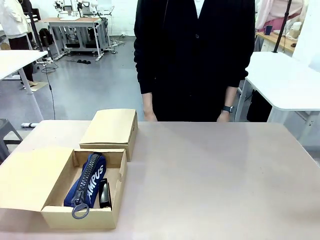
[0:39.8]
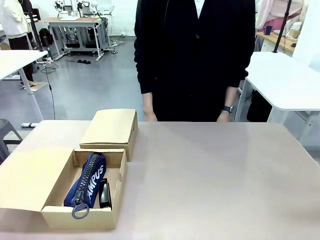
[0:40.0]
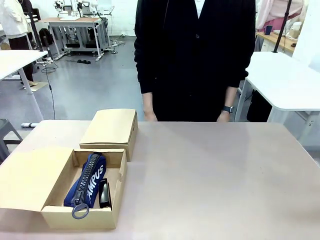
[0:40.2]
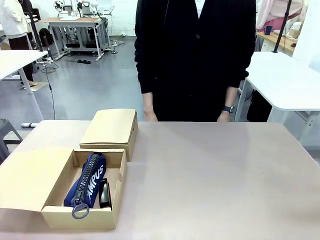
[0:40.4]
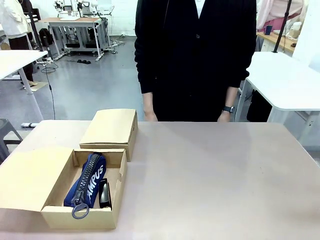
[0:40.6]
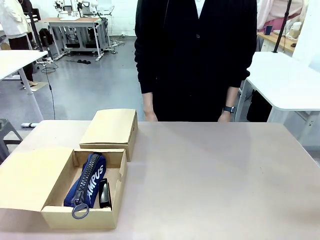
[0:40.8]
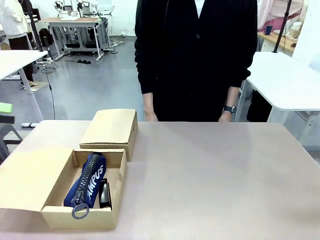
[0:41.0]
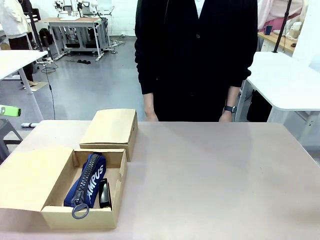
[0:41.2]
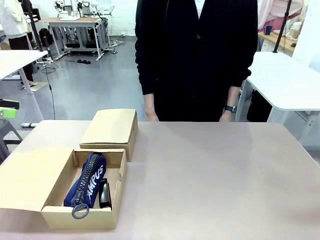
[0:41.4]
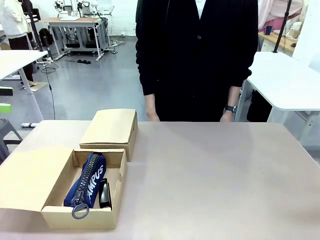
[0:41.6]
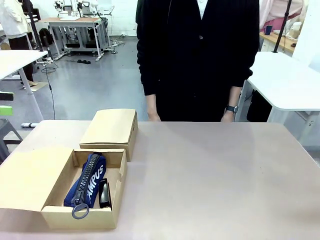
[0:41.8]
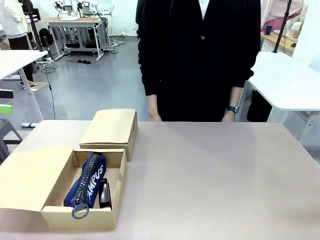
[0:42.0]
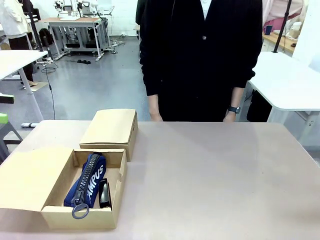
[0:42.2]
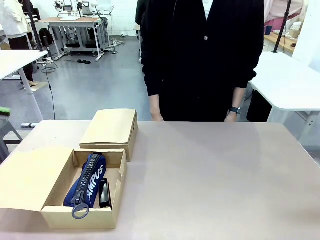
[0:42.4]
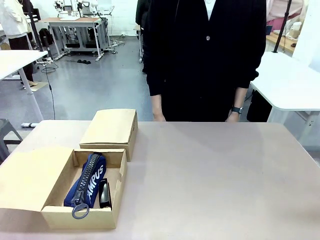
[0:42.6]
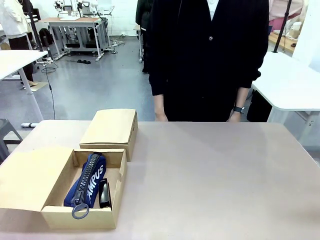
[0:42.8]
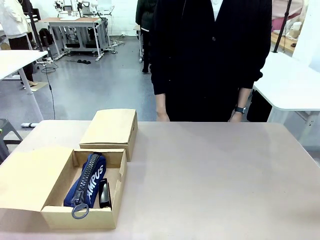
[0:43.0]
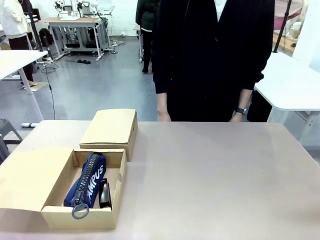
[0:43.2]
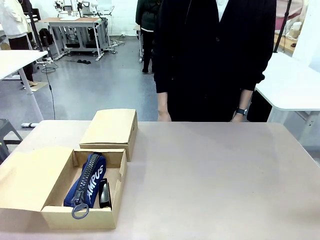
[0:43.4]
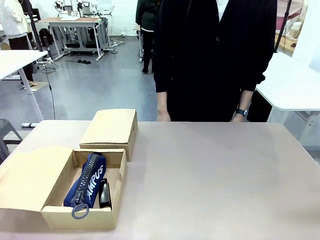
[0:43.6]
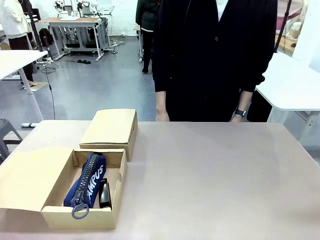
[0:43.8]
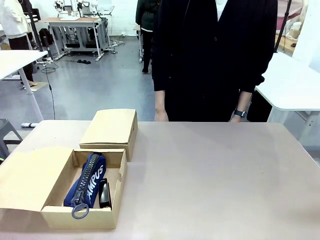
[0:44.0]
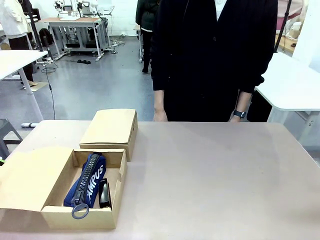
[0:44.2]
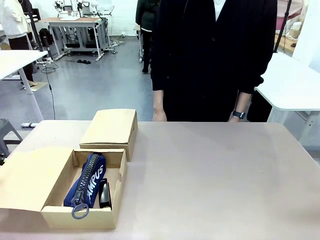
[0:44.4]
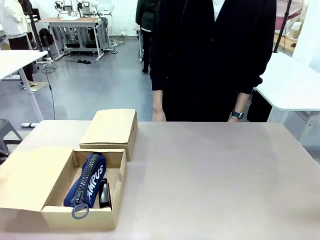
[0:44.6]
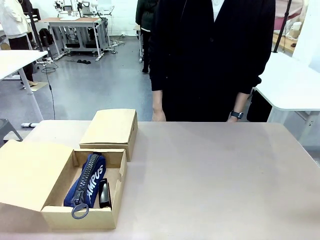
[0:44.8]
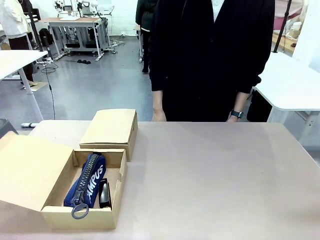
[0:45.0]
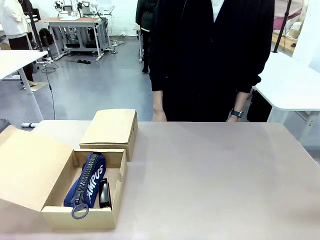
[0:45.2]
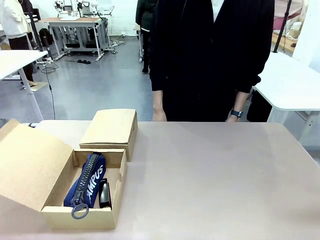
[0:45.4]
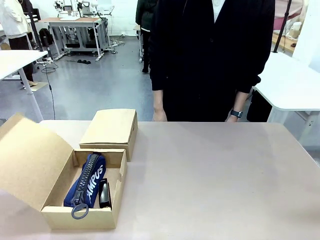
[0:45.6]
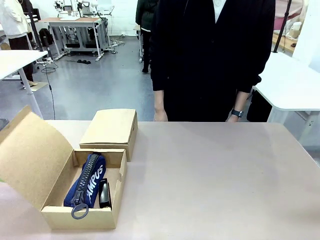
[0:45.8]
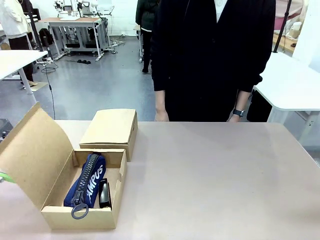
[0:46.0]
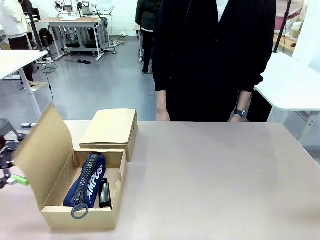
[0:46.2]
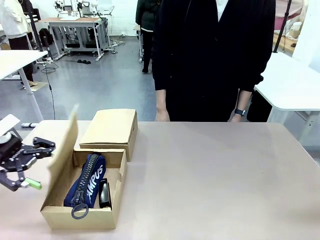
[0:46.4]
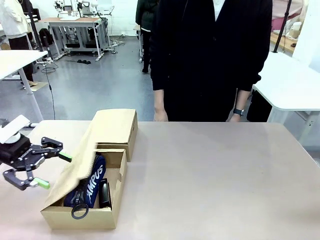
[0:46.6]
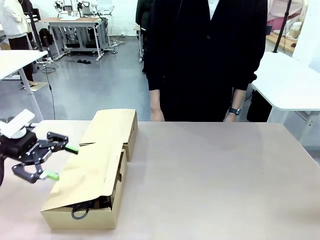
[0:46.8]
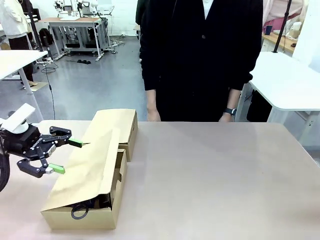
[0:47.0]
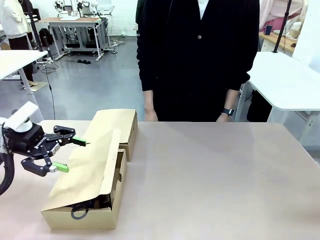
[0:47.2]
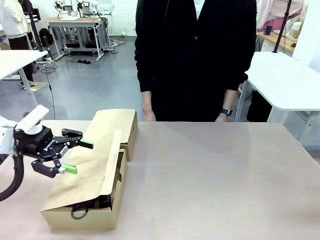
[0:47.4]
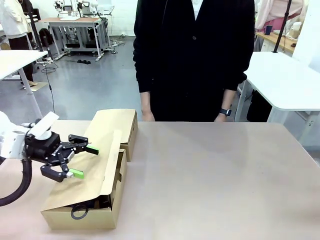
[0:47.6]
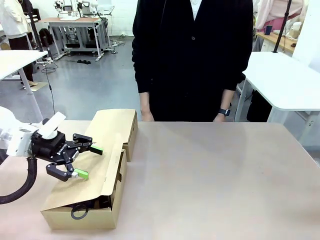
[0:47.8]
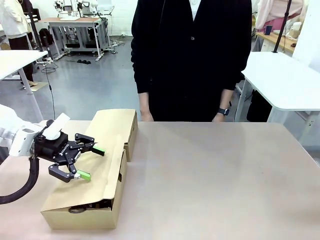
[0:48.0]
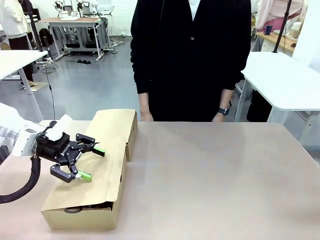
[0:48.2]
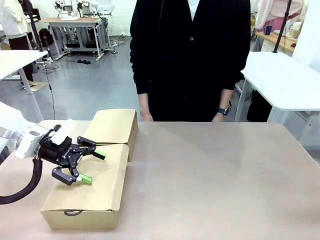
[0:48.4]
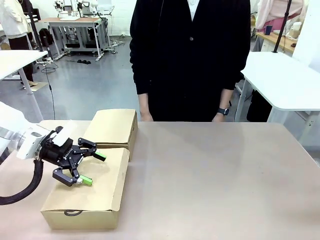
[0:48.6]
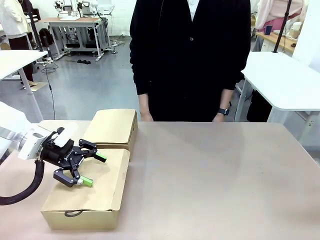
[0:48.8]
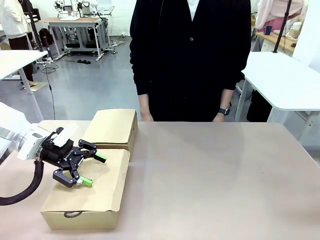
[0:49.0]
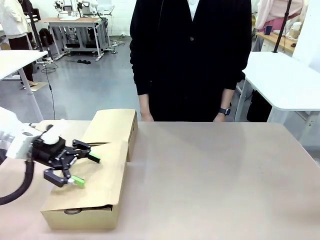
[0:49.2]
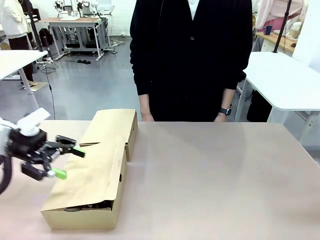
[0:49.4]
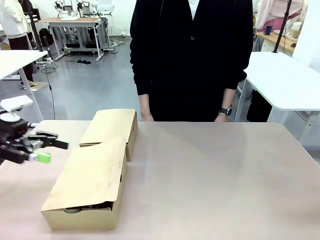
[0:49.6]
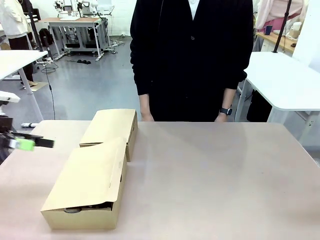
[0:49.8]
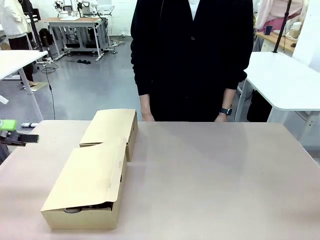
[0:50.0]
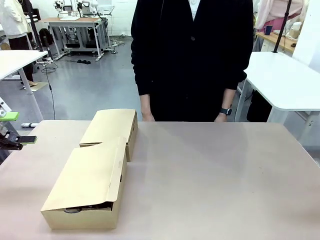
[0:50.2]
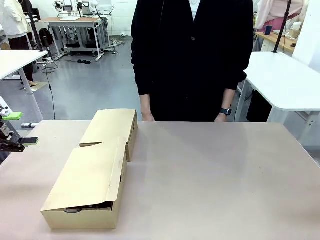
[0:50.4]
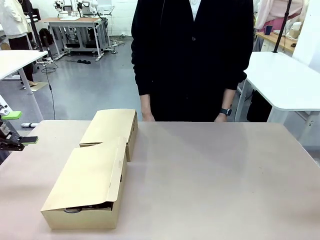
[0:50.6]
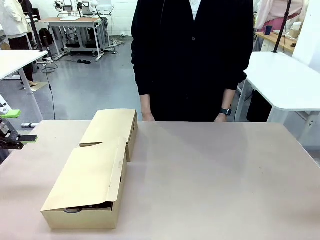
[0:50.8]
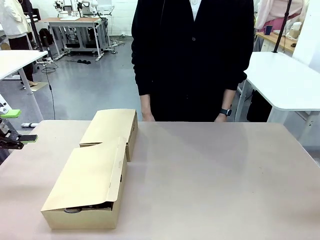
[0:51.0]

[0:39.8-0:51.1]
Task: Place items inside the box.
Robot: Close the lid of the Mailer Box closest to the robot.

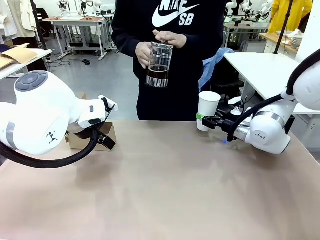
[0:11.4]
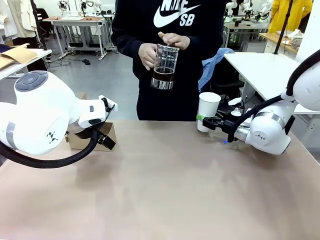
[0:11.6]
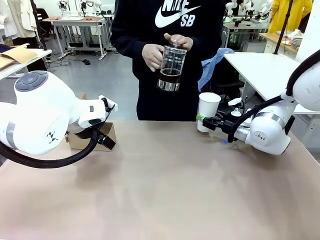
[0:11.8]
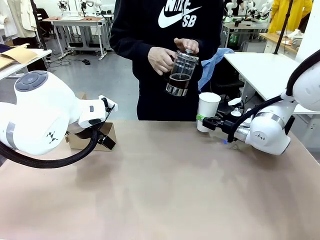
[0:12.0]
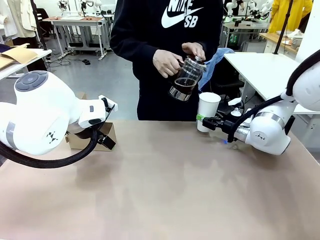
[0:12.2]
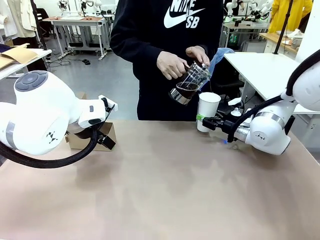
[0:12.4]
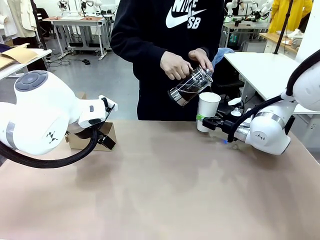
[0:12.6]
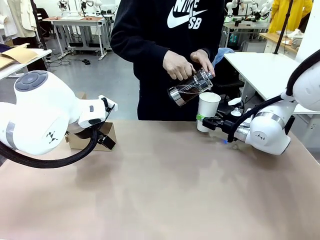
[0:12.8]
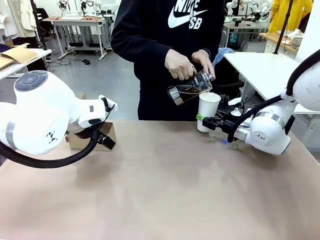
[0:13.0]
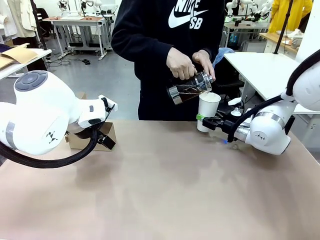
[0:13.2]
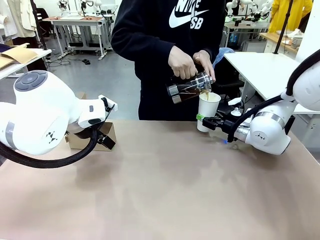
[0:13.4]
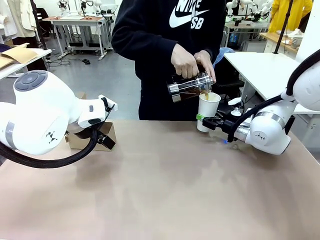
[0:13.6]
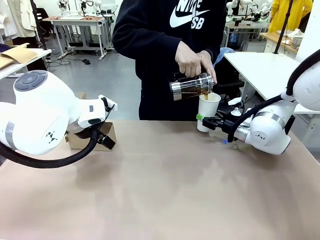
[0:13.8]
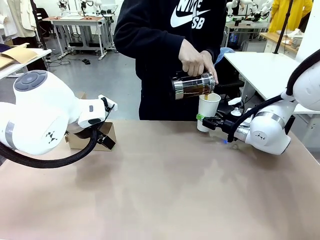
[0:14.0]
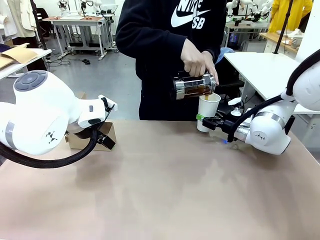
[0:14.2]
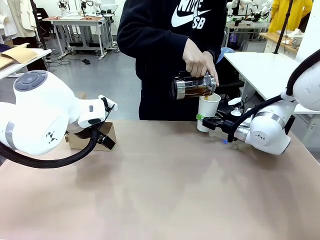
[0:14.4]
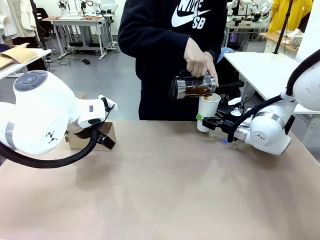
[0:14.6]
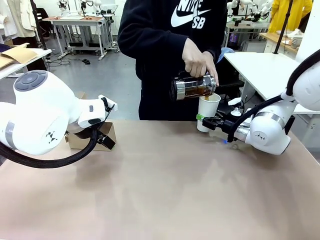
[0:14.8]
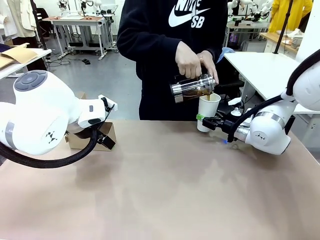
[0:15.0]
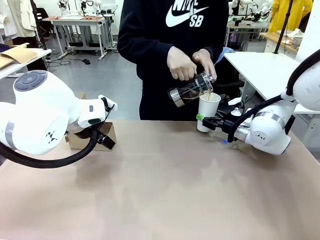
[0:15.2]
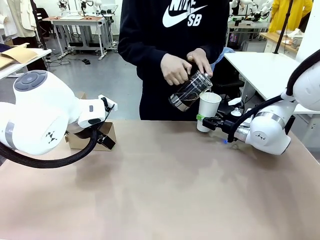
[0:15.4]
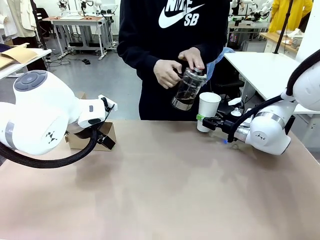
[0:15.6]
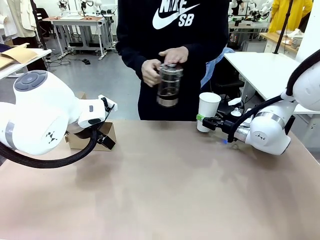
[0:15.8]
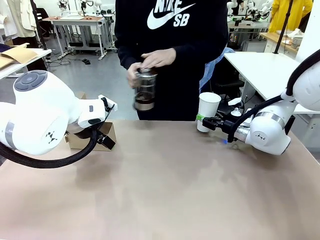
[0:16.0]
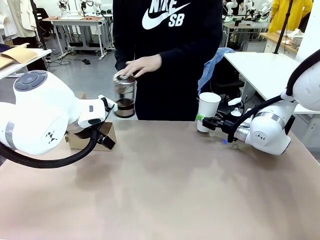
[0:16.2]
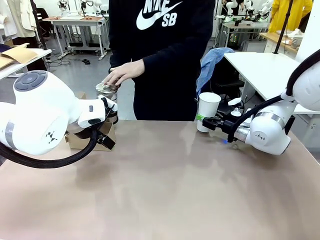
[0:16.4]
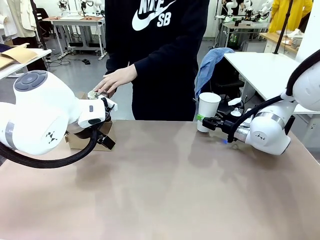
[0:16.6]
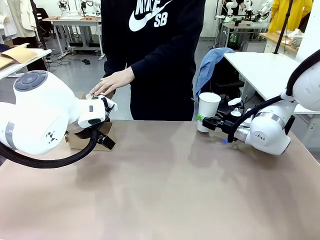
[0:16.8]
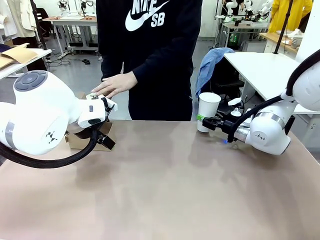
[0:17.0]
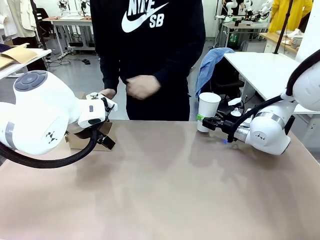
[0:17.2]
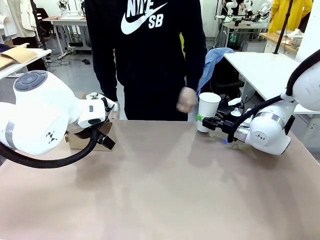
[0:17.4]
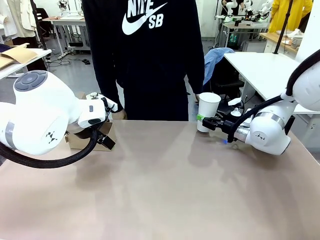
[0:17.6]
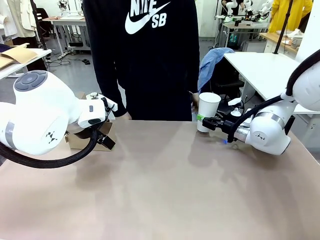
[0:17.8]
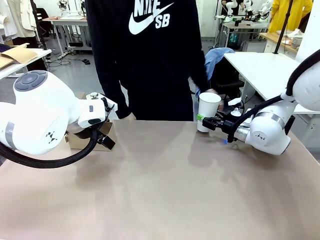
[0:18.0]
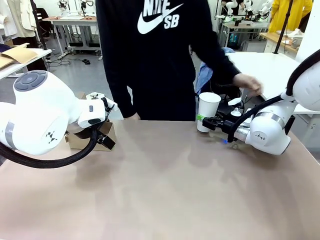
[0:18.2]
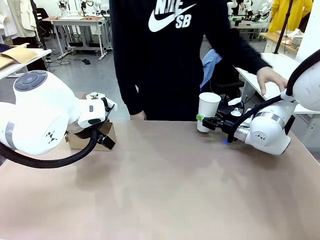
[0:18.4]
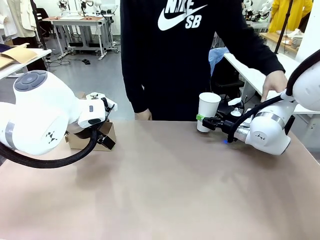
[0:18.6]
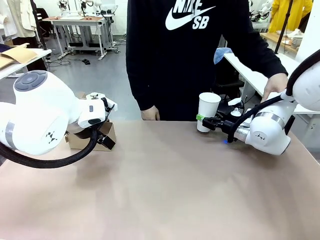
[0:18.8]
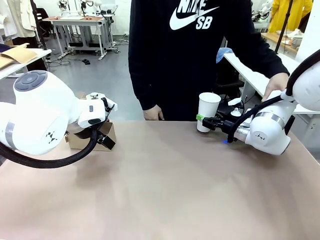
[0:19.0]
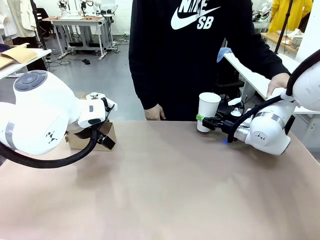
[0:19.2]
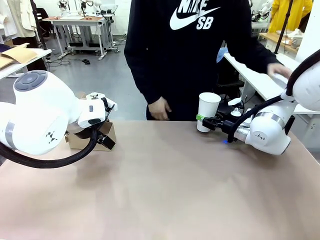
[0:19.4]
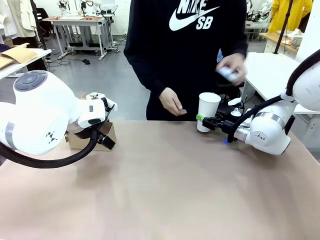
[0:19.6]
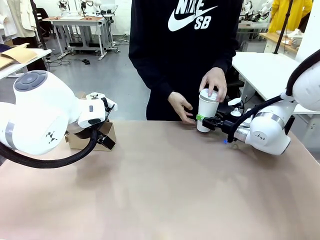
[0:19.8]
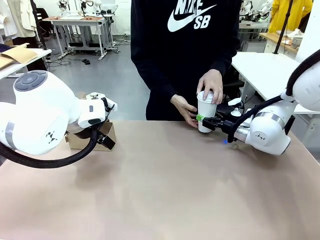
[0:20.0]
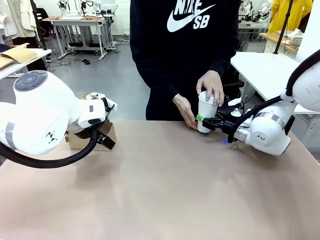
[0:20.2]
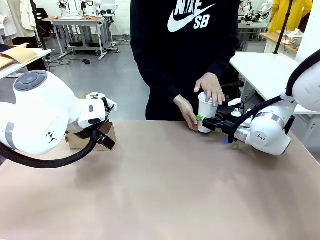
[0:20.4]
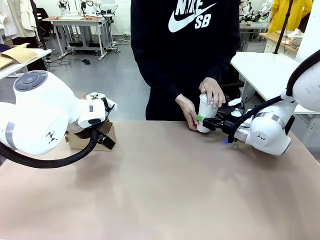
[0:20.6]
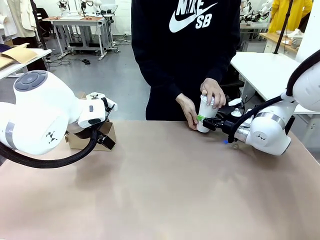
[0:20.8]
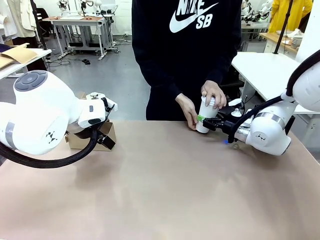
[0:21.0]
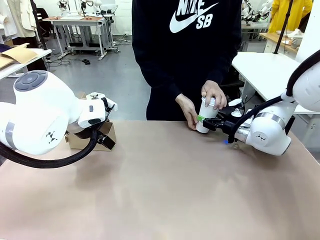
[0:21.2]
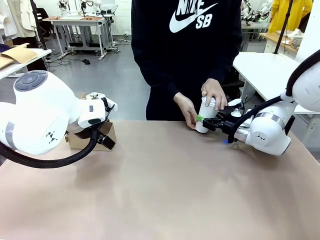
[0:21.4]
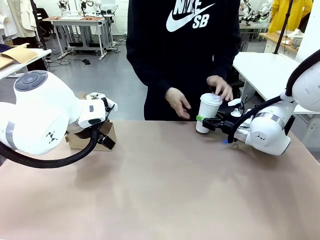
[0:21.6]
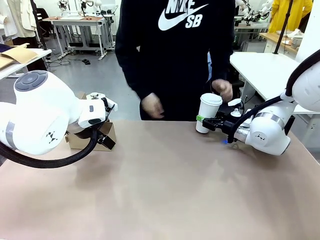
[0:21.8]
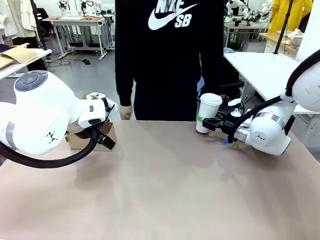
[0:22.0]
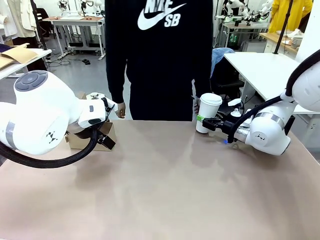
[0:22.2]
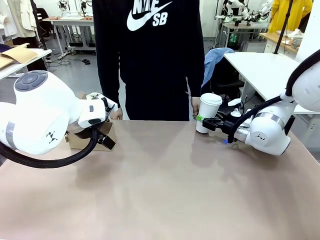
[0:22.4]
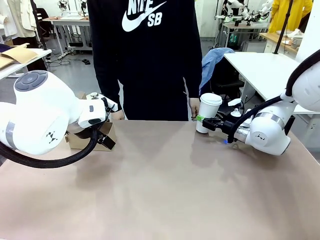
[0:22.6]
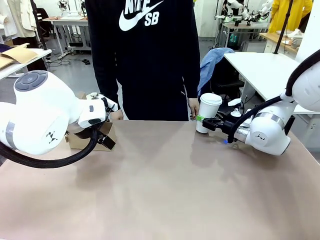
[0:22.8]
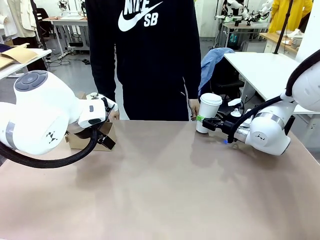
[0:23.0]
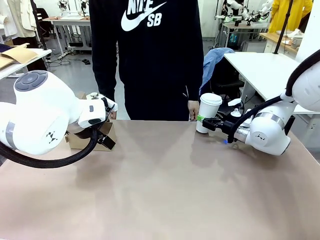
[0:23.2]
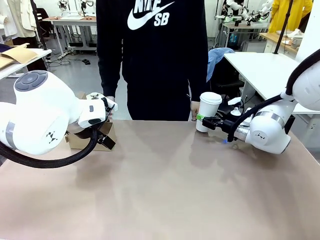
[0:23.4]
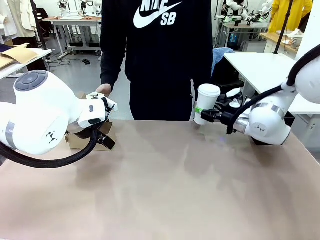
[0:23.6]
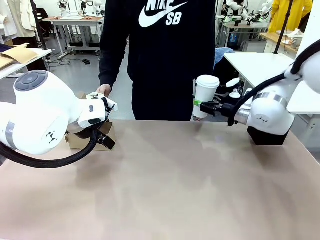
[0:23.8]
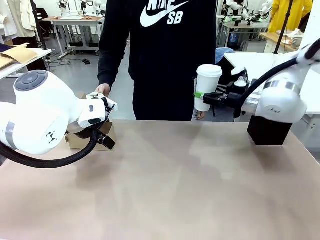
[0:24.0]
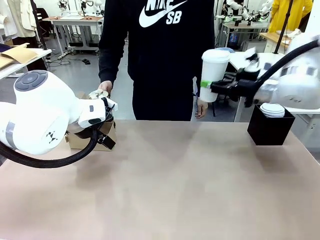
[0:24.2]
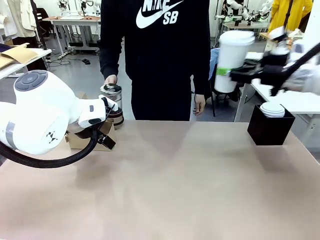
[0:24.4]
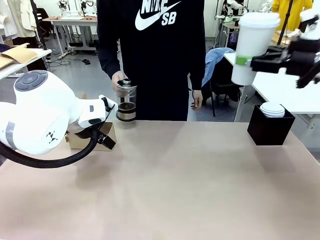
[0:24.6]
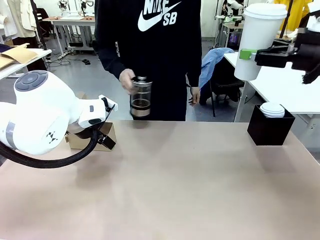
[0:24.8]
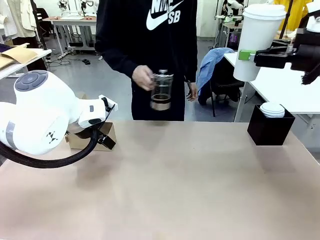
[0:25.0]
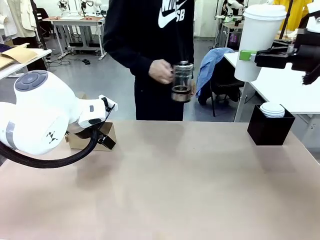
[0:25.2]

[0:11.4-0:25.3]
Task: Pour a drink into a cup and package it in a carrier.
Robot: When a person places the Paper Cup Lid on the 600 ml Paper Cup , lift the 600 ml Paper Cup.
Person: Pour the drink from the Filter Brewing into the 600 ml Paper Cup. Place a Paper Cup Lid on the 600 ml Paper Cup.
